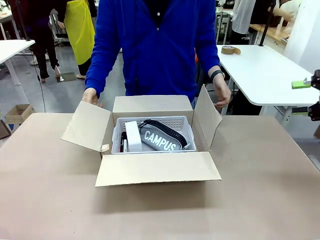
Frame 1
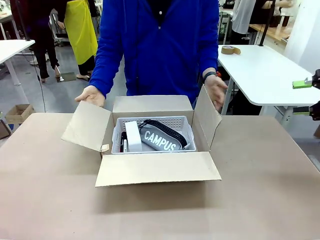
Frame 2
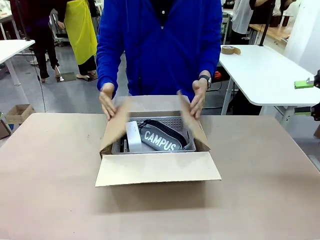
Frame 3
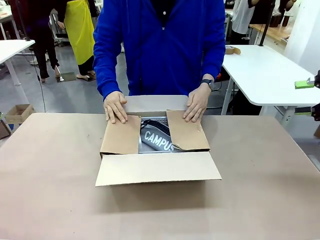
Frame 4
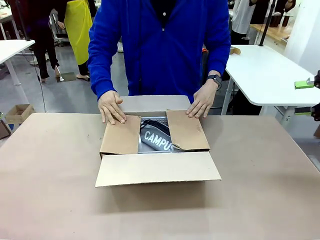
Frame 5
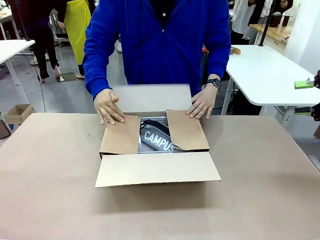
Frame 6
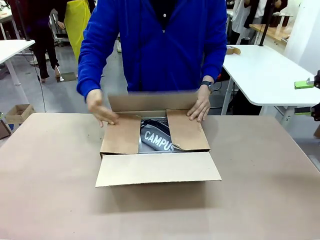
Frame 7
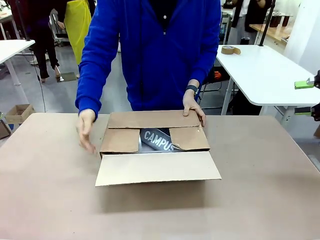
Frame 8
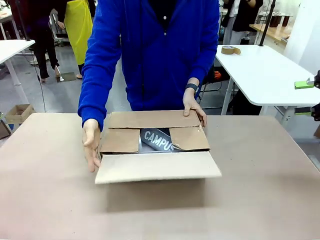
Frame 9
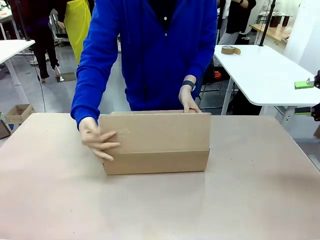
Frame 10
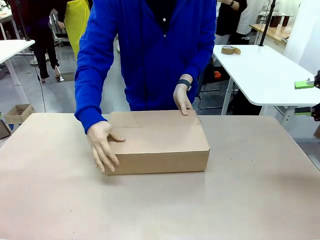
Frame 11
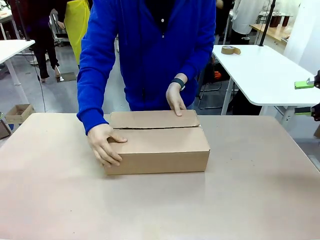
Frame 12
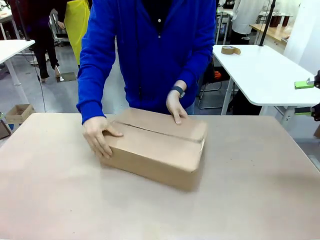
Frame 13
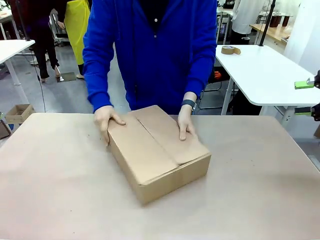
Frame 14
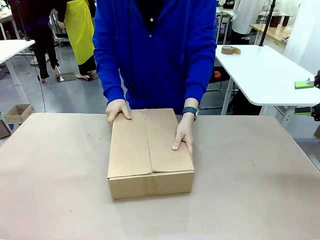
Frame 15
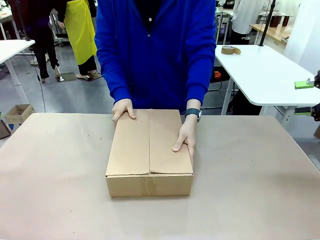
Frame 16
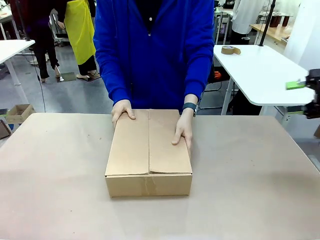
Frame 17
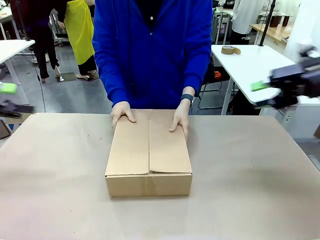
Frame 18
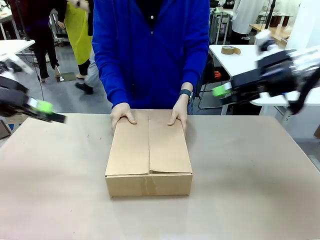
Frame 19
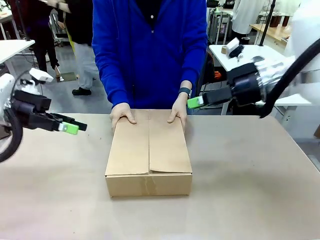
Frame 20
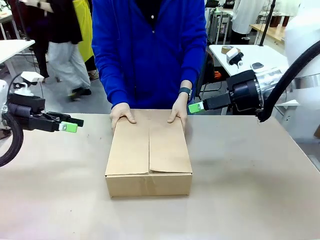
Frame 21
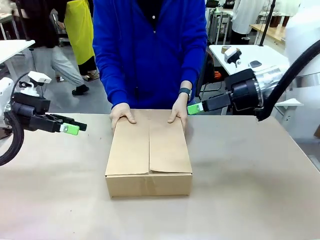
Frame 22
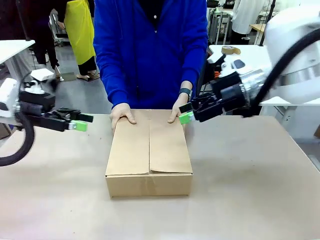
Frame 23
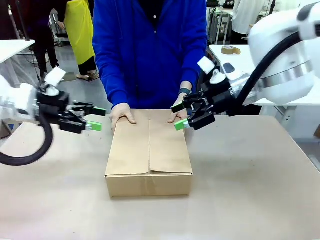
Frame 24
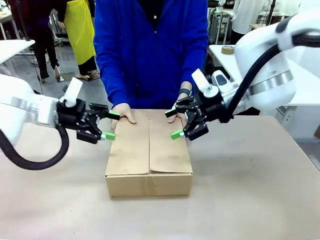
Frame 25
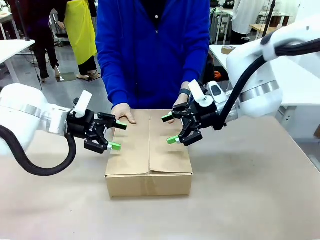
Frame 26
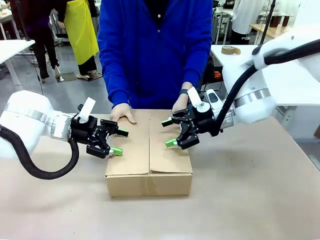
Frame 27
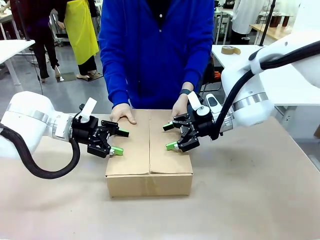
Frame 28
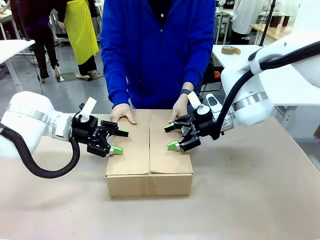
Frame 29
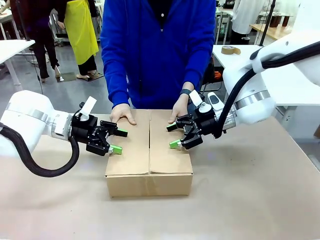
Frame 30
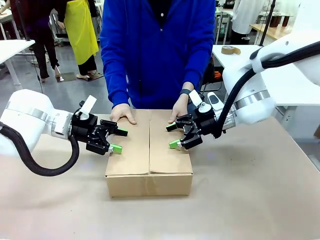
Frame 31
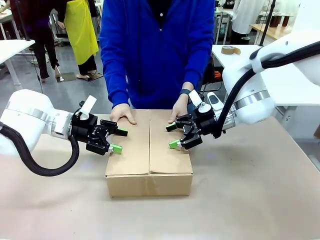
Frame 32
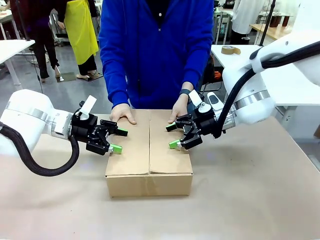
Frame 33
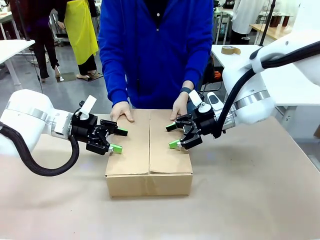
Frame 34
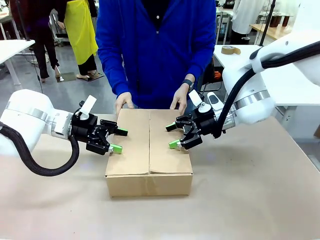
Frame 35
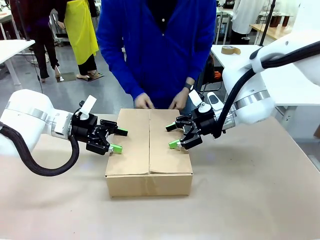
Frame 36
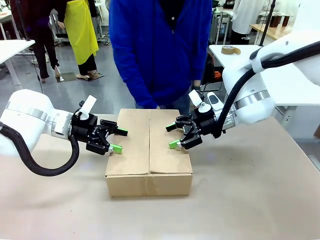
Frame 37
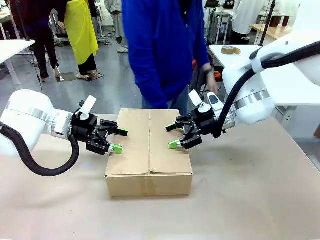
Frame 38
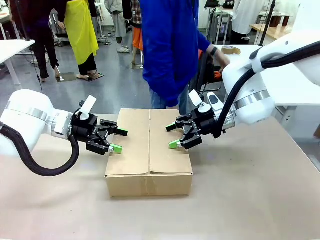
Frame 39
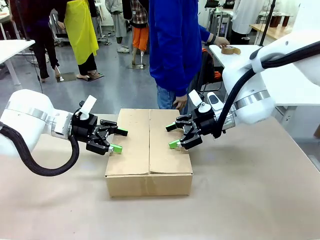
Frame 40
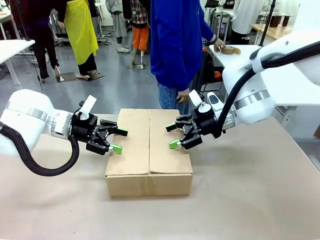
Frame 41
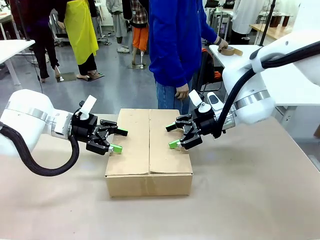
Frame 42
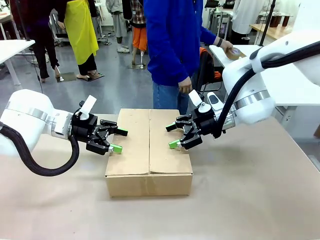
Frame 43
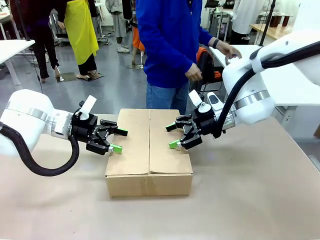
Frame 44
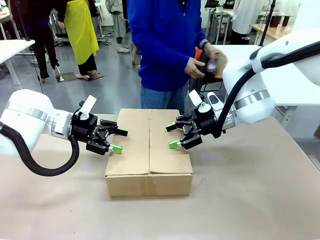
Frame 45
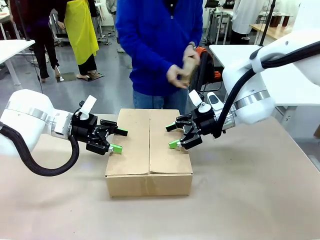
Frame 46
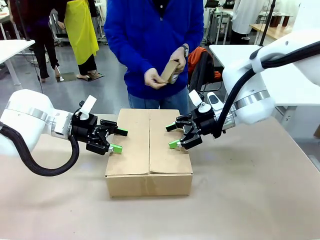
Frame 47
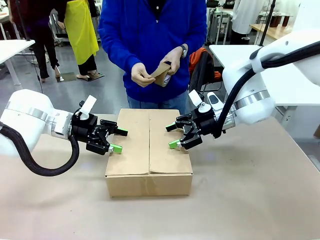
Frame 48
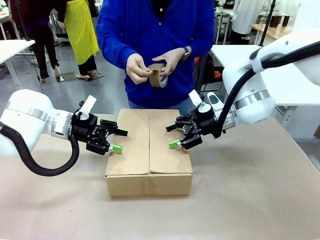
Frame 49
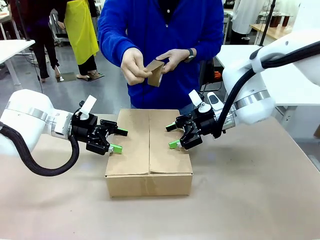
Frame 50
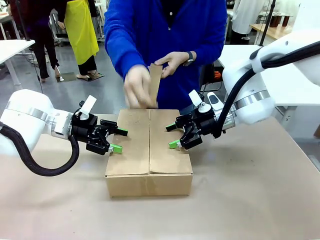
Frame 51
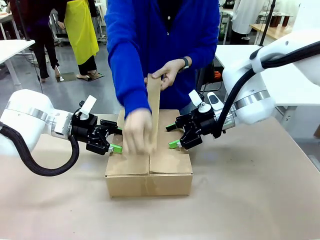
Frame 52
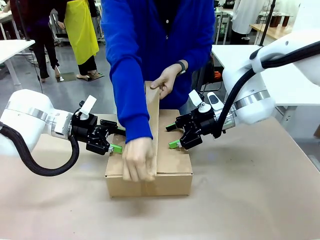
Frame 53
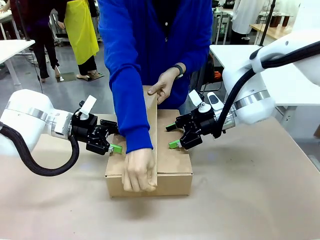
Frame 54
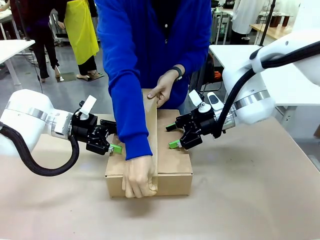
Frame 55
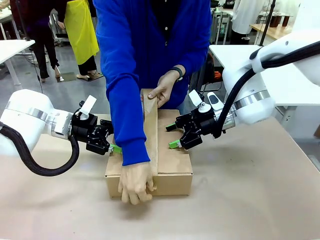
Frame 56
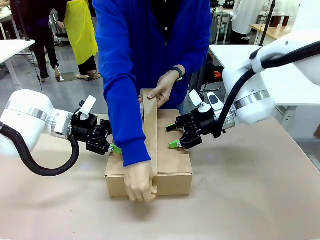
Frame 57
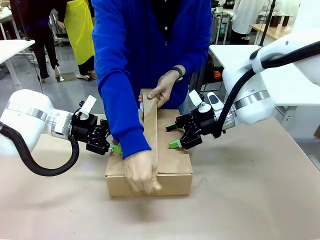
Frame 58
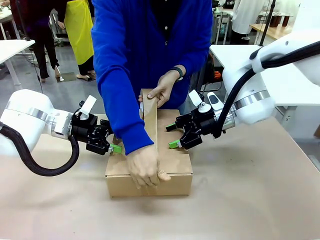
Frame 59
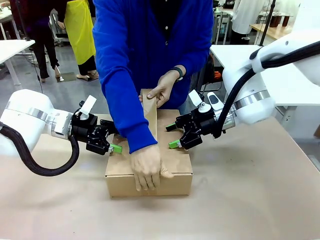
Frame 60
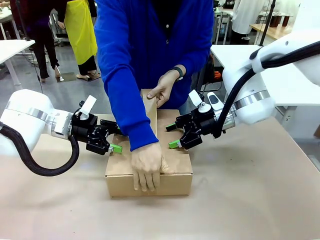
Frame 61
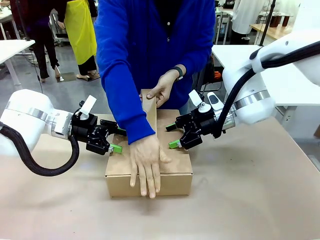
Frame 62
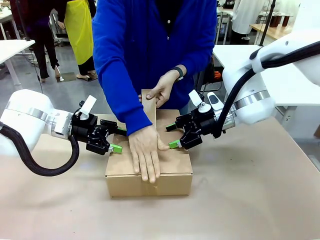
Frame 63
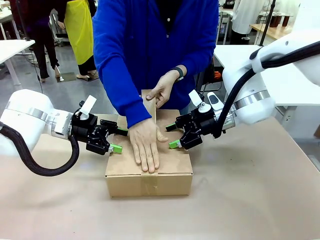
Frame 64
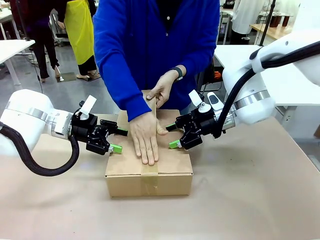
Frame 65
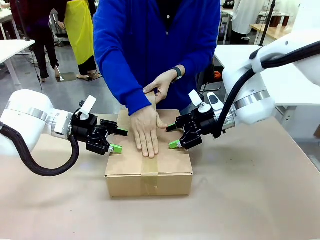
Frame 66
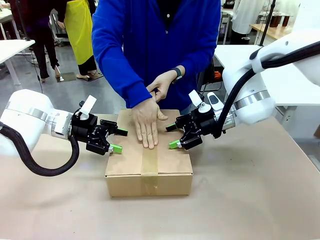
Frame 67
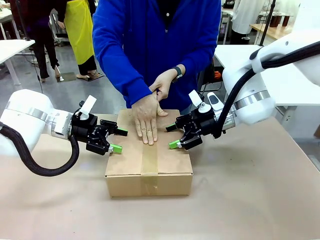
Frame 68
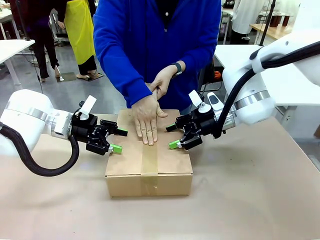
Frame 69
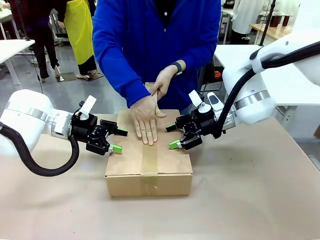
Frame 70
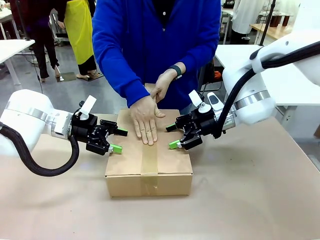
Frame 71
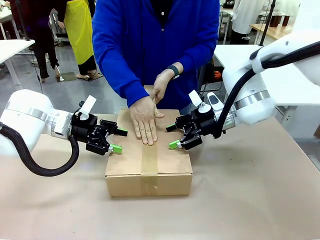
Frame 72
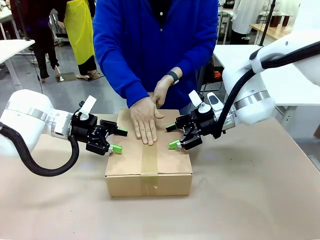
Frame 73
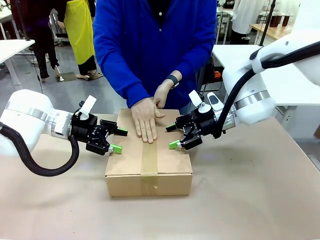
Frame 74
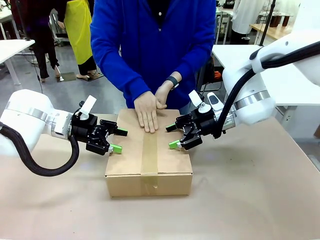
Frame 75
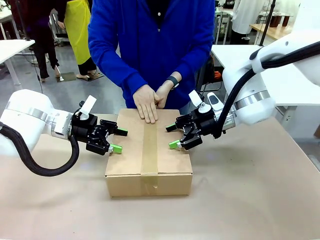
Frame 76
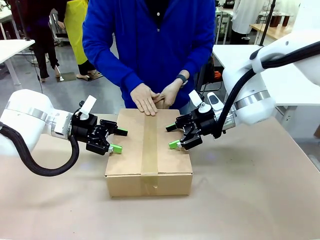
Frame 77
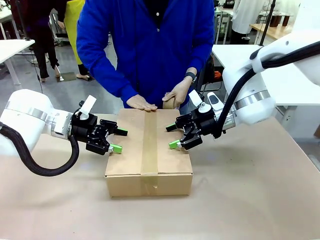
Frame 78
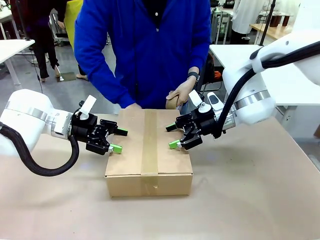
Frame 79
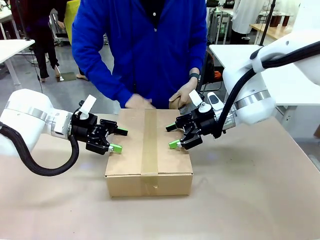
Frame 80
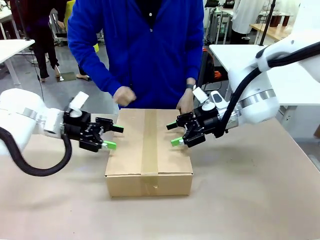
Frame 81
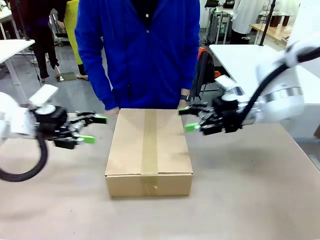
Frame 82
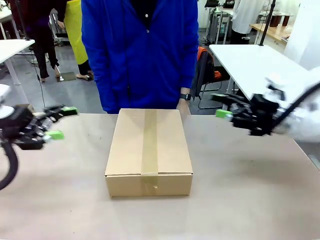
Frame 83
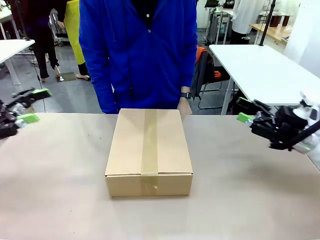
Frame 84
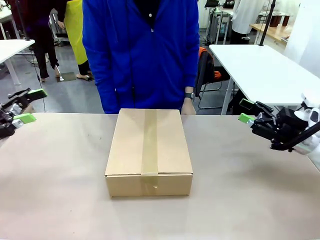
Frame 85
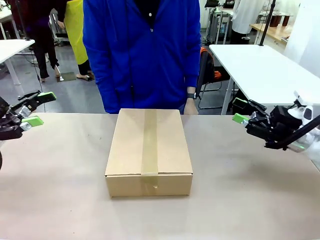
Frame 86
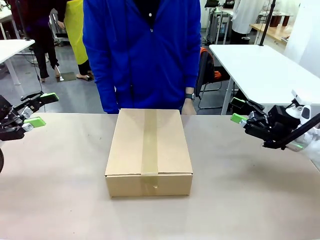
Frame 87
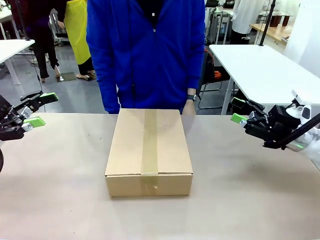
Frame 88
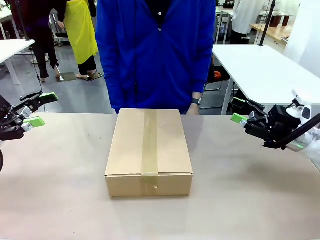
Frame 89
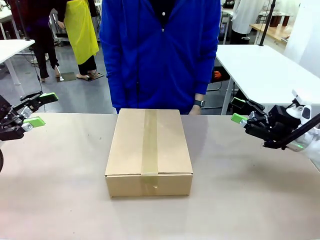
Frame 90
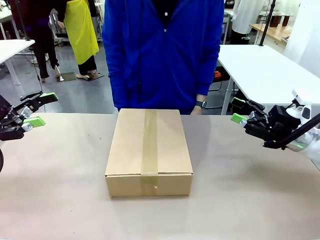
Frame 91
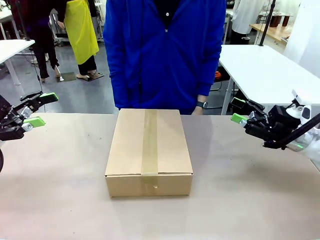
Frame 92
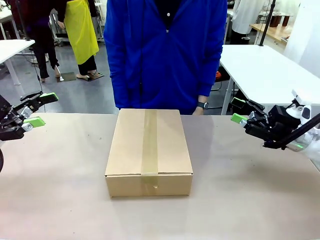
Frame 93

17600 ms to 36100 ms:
Task: Pack the gift set into the box.
Robot: Press and hold the closed box until the human finishes sealing it.
Person: The human closes the box and rotates the box by 90 degrees. The human picks up the paper tape from the human table and packs the box.
